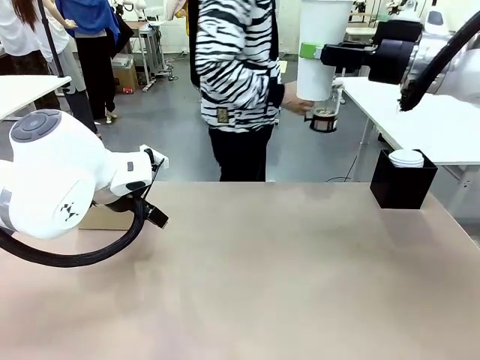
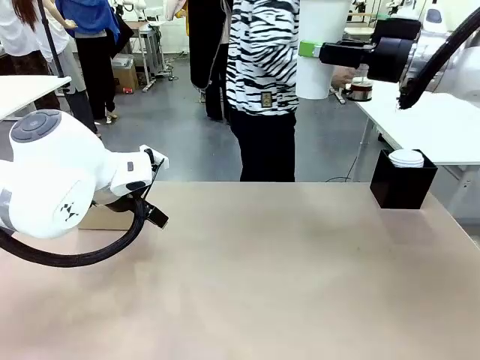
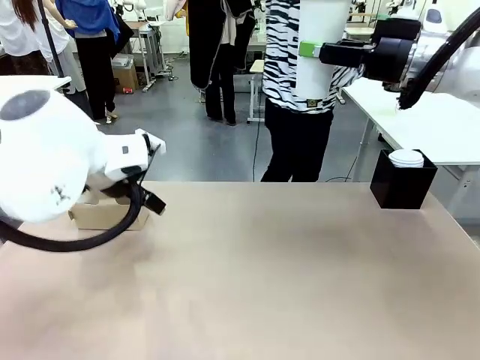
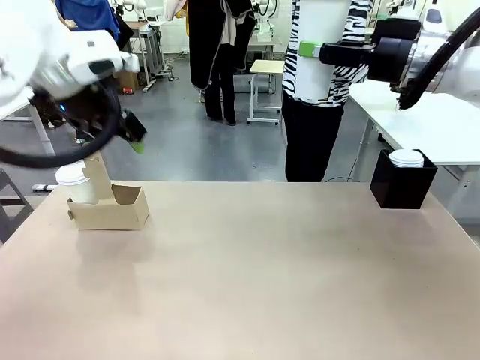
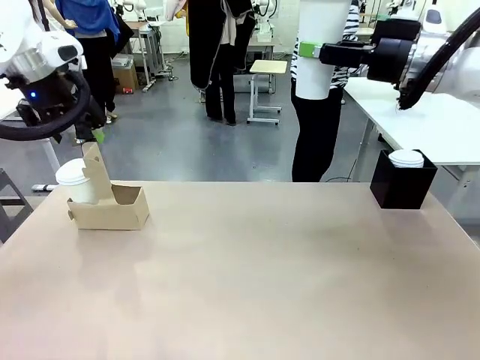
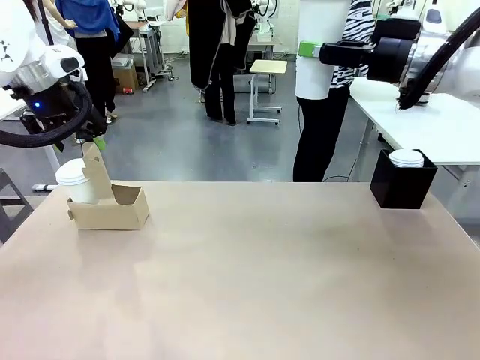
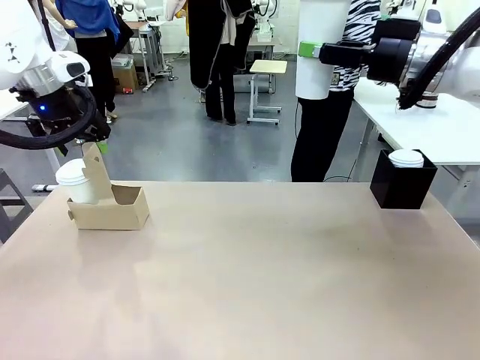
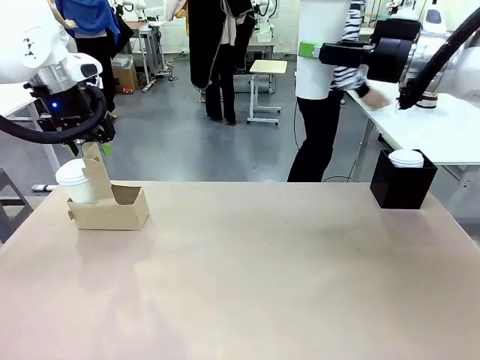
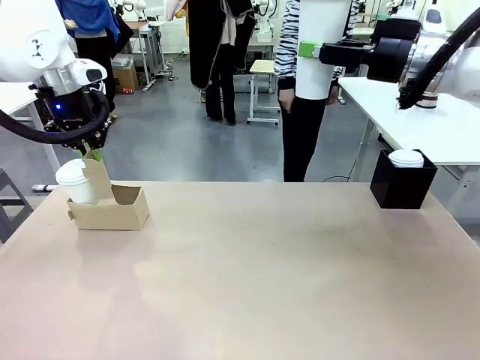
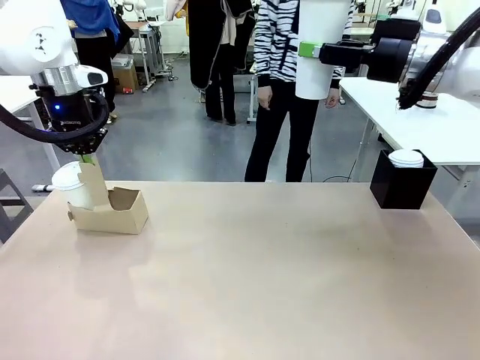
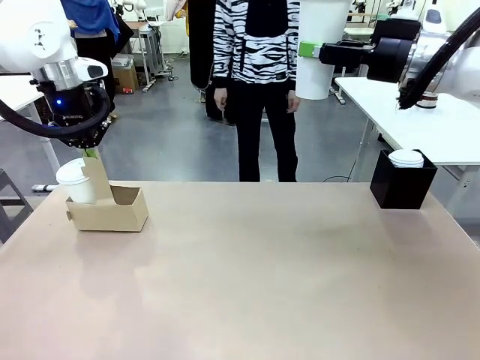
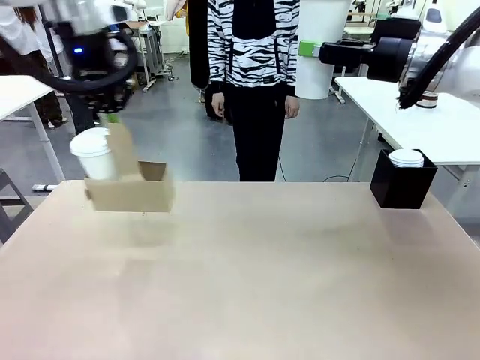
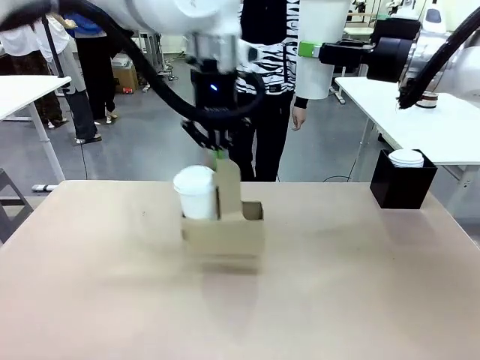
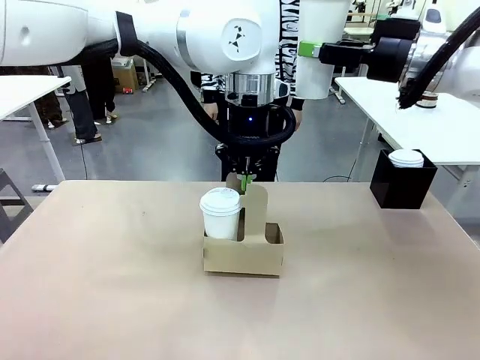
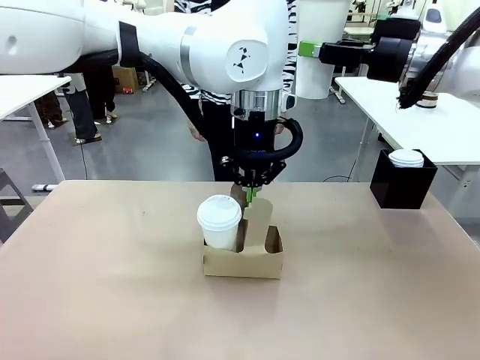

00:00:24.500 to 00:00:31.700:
Task: Pour a drink into a cup and package it in a carrier.
Robot: Position the Cup Carrier in the center of the table.
Person: Pick up the Filter Brewing and place on the middle of Human table, and return to the Robot table.

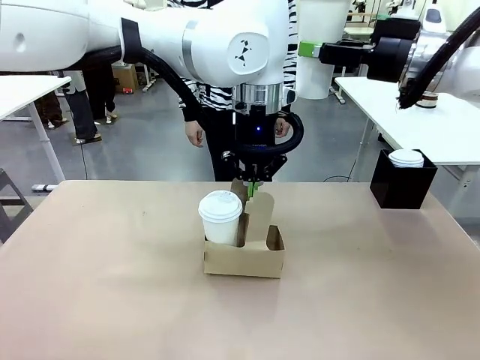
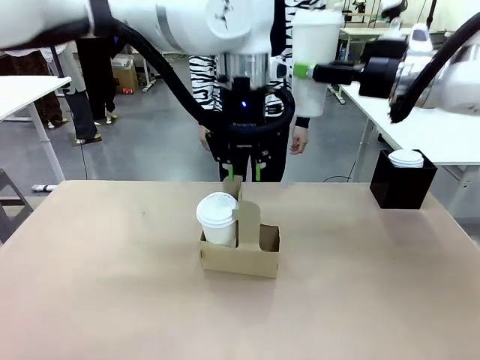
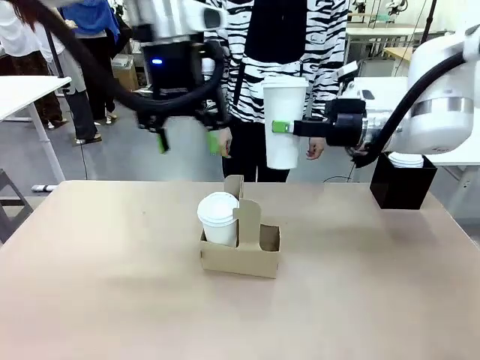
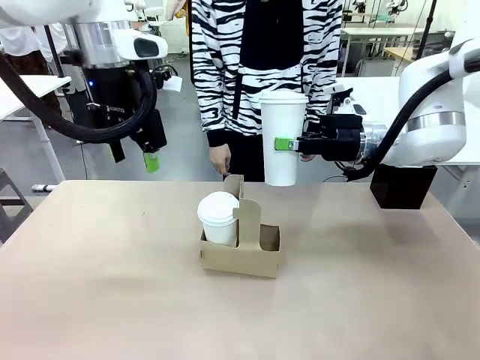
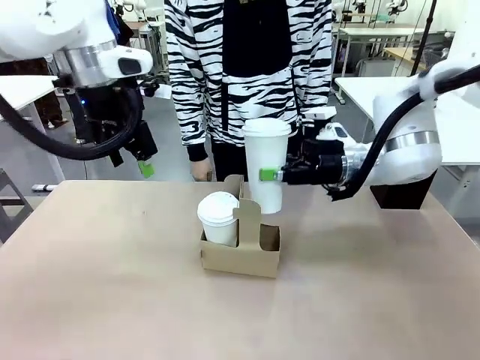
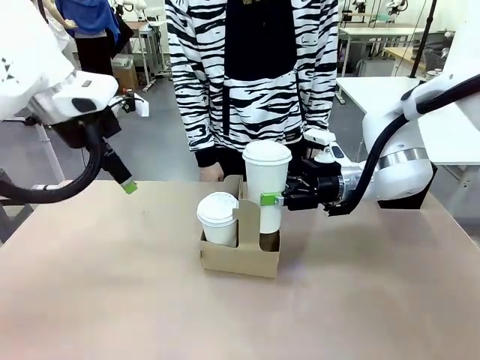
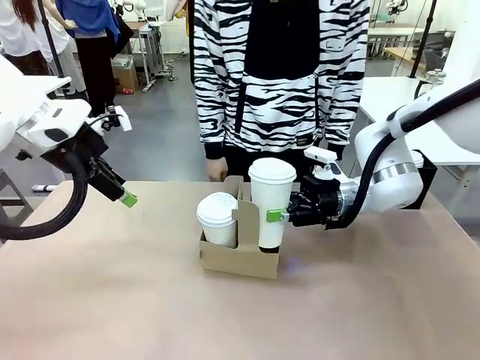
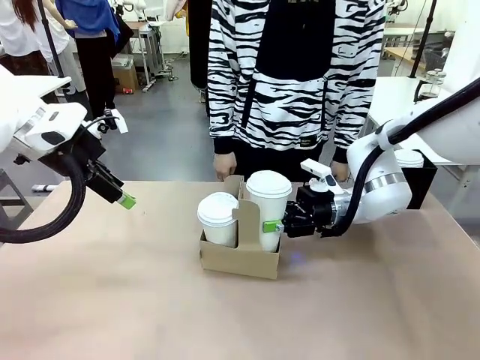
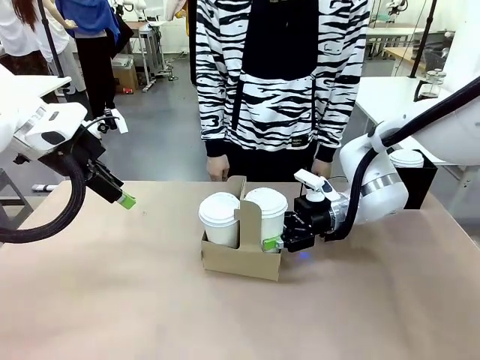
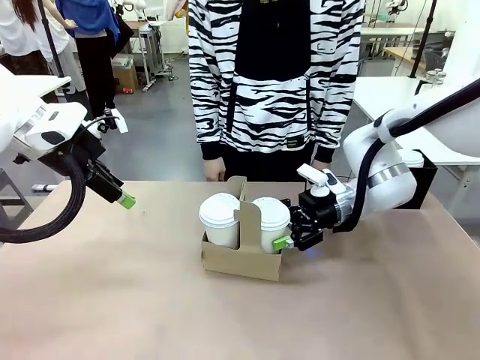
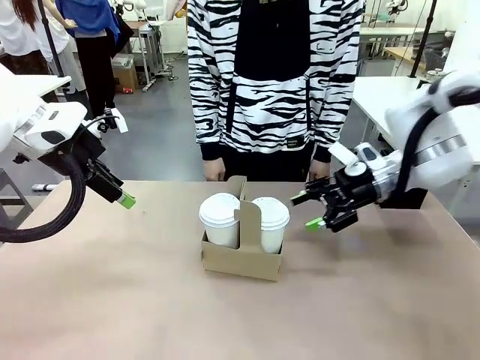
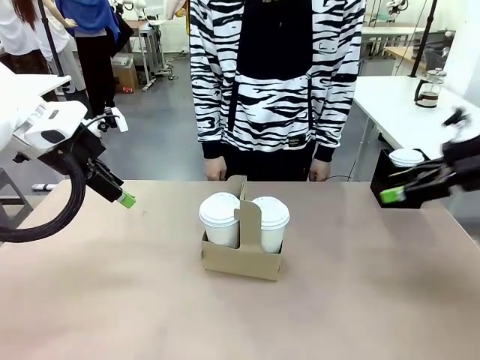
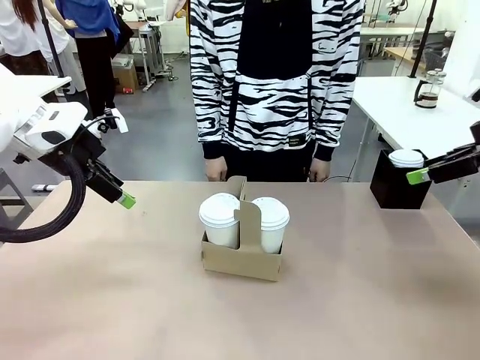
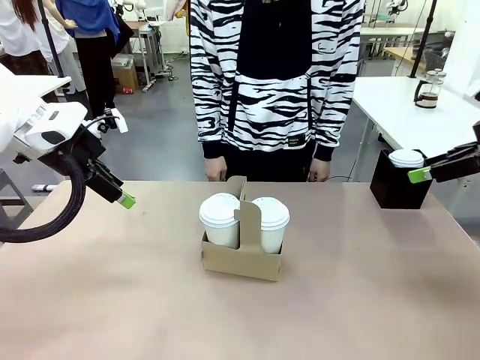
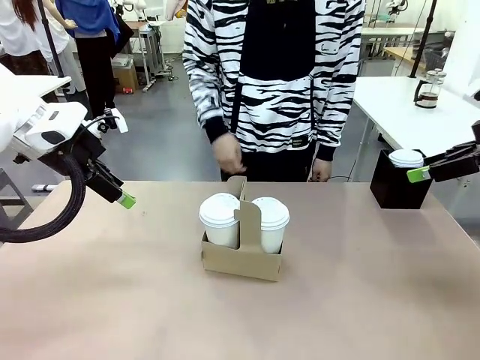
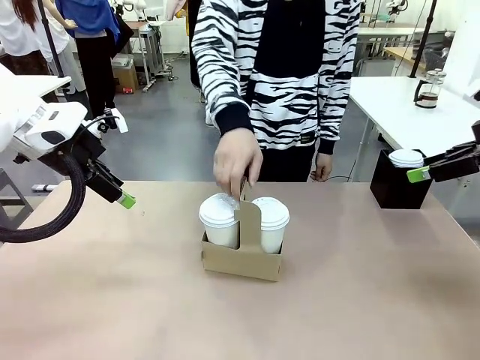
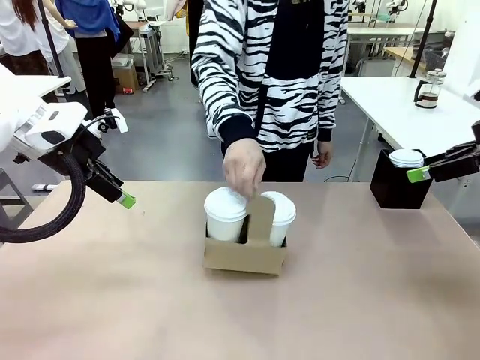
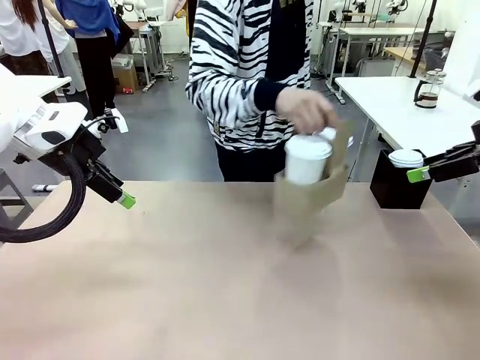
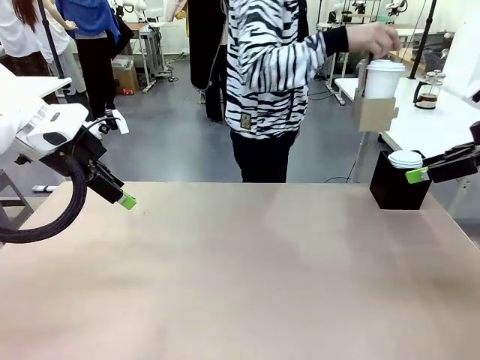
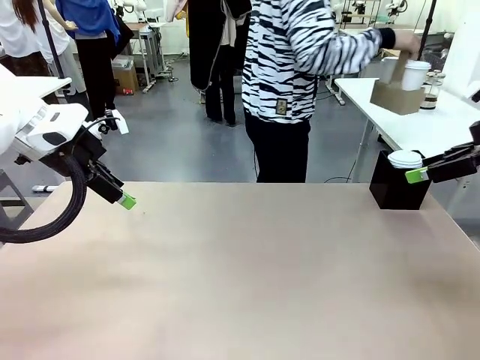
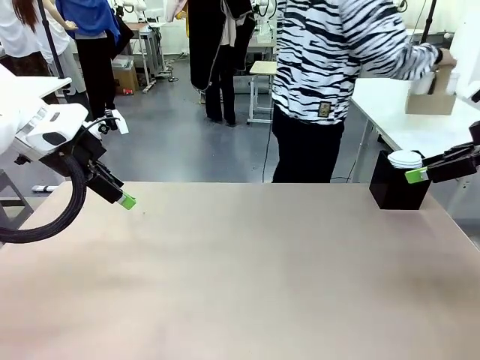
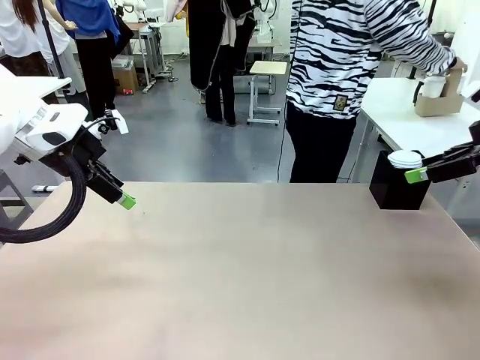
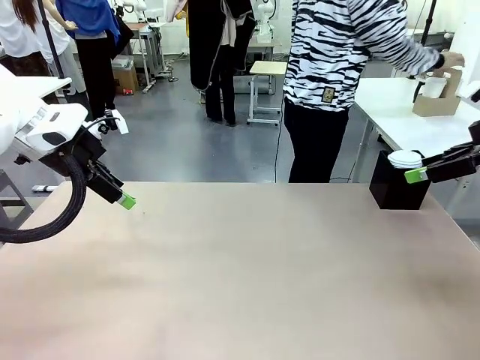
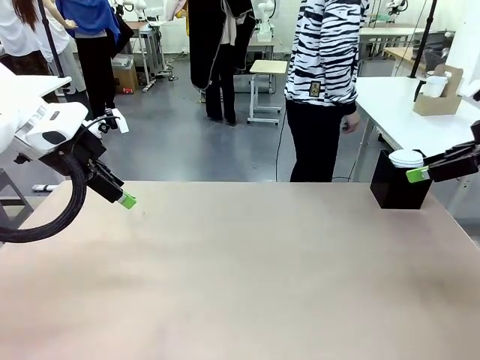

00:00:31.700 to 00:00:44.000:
Robot: Insert the held 600 ml Paper Cup into the Cup Carrier.
Person: Place the Cup Carrier to the middle of Human table.

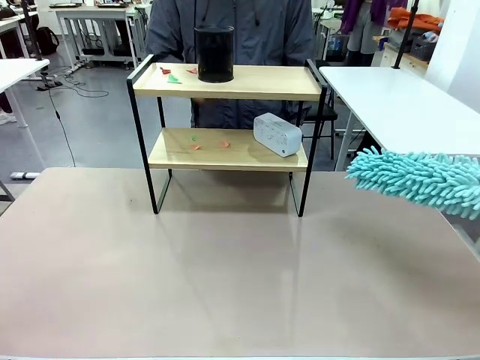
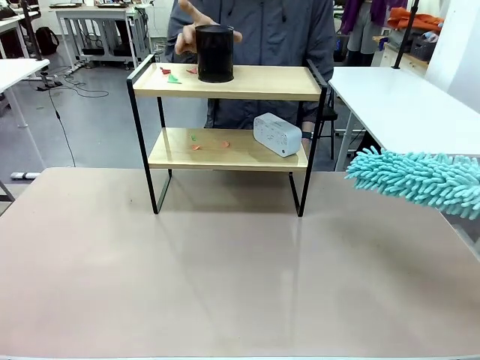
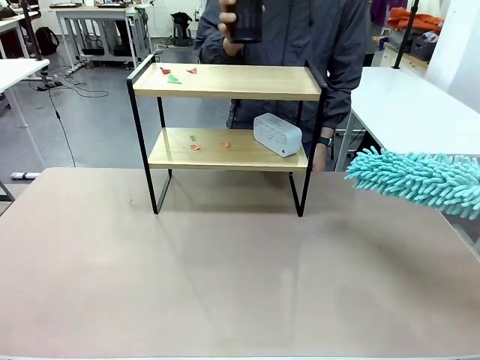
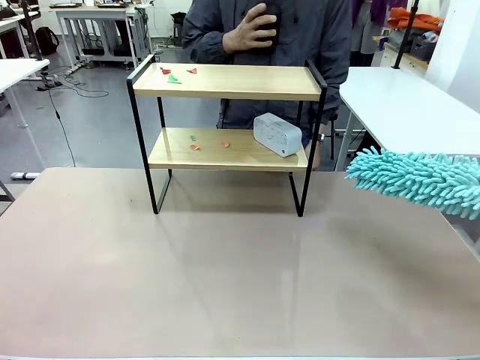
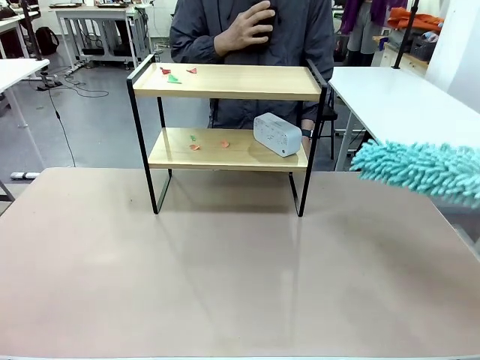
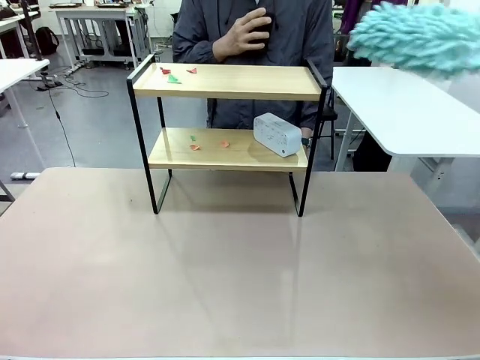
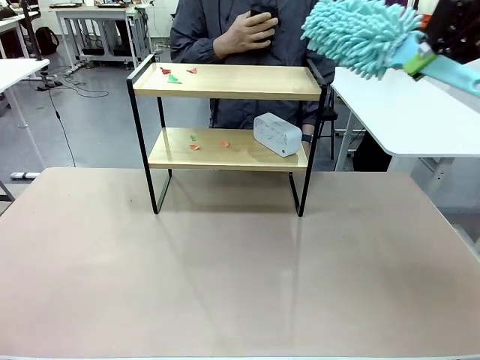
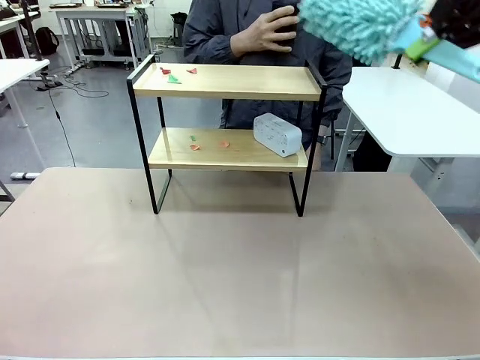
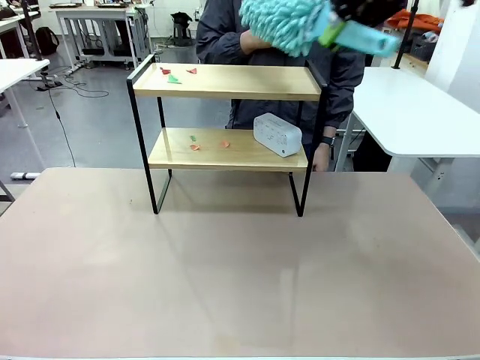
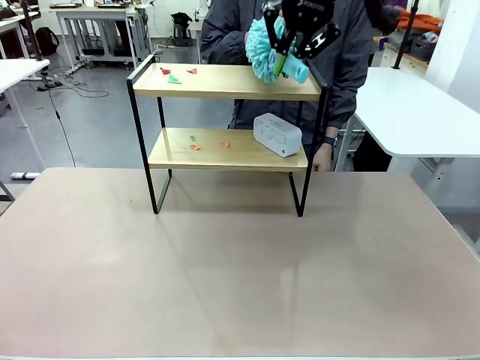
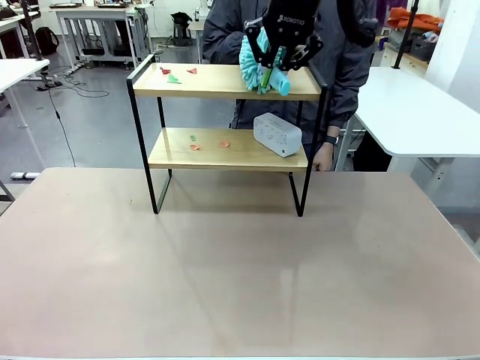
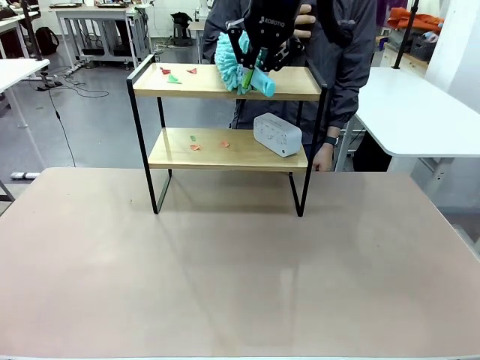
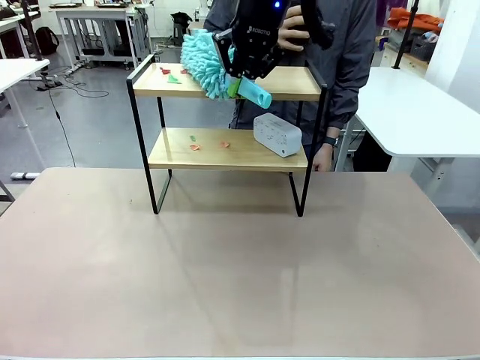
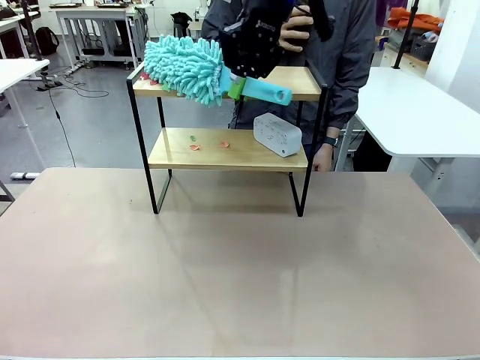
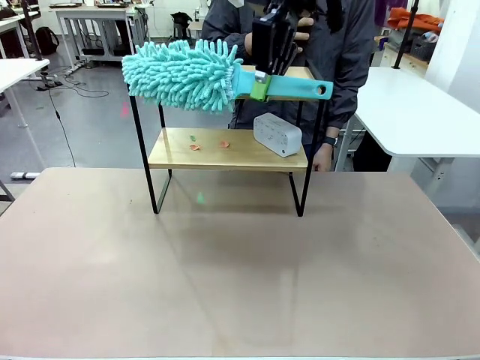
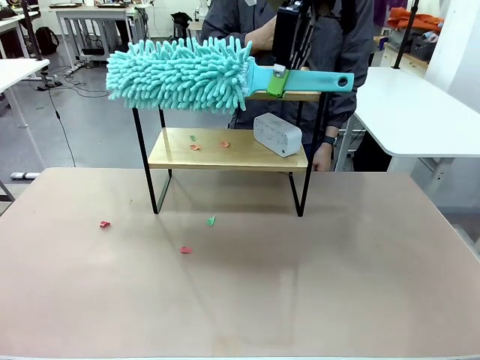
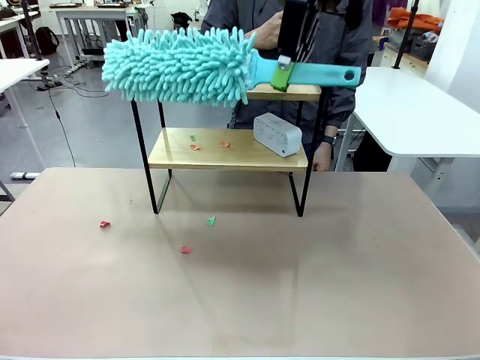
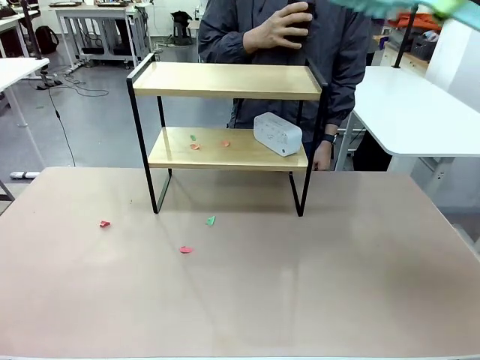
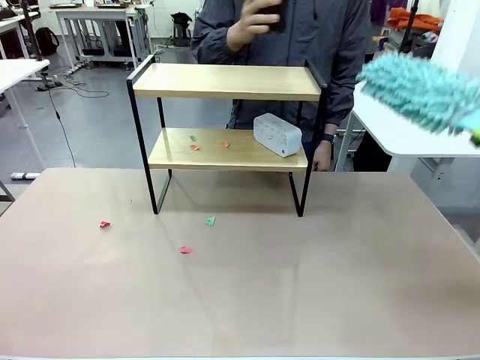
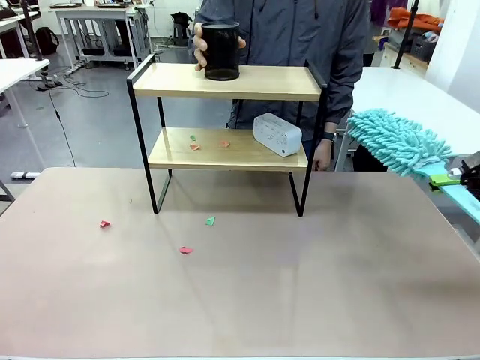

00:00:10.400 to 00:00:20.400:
Task: Clean the shelf.
Robot: Clean the specific tier of the Shelf with the Duster once objects are removed.
Person: Lift the objects on a randomly selected tier of the Shelf. Once the robot finishes cleaning, lift the objects on the remaining tiers of the Shelf.
